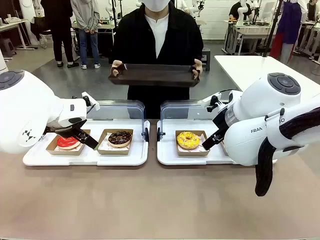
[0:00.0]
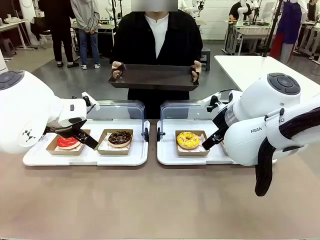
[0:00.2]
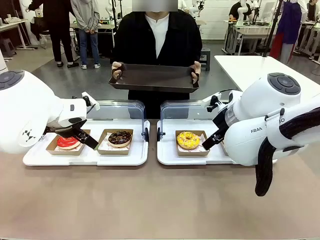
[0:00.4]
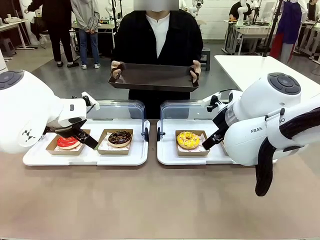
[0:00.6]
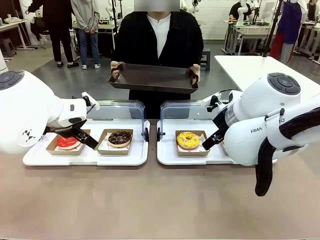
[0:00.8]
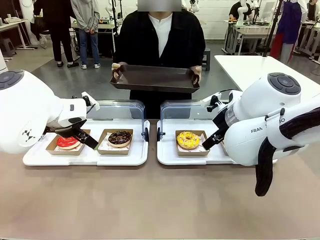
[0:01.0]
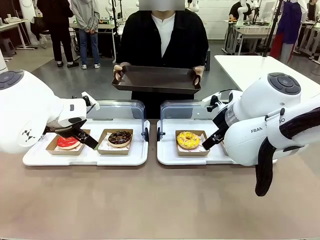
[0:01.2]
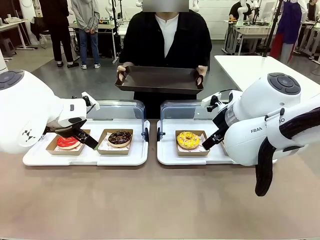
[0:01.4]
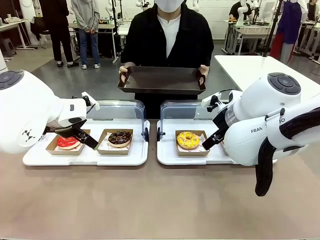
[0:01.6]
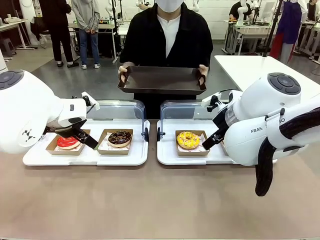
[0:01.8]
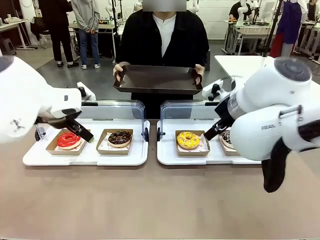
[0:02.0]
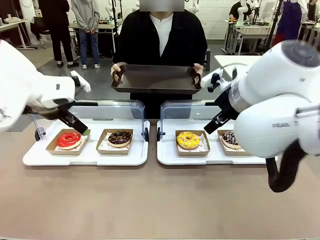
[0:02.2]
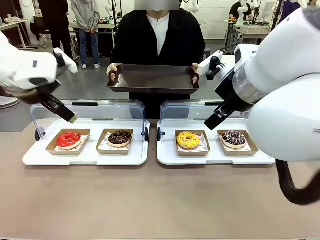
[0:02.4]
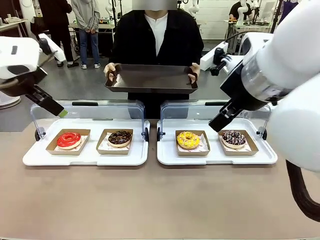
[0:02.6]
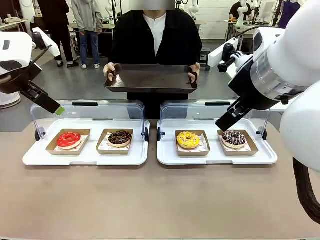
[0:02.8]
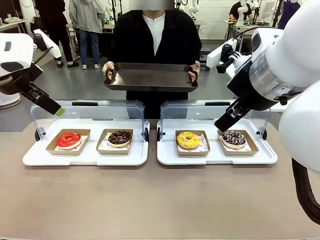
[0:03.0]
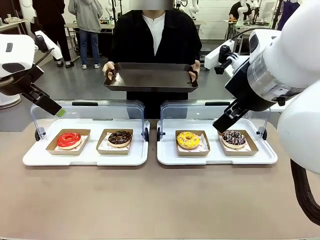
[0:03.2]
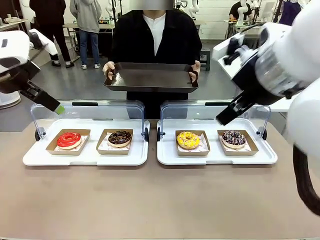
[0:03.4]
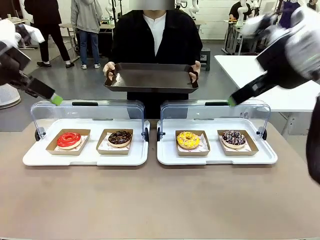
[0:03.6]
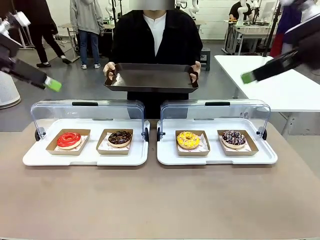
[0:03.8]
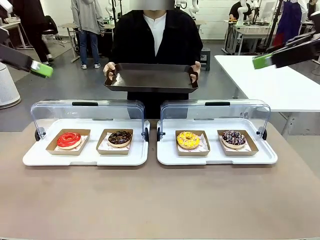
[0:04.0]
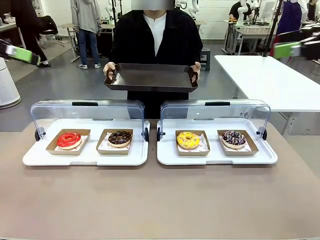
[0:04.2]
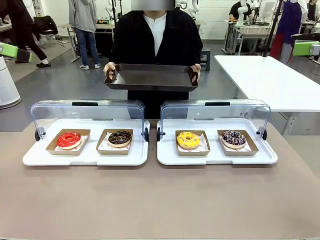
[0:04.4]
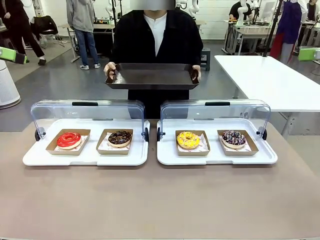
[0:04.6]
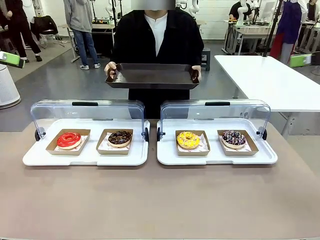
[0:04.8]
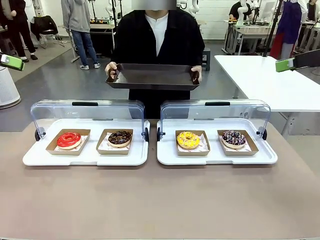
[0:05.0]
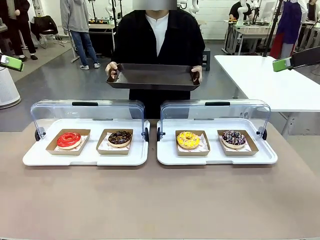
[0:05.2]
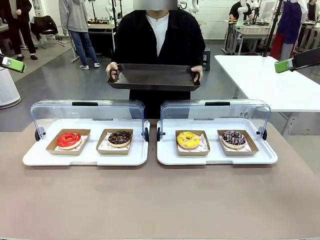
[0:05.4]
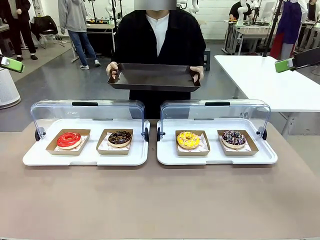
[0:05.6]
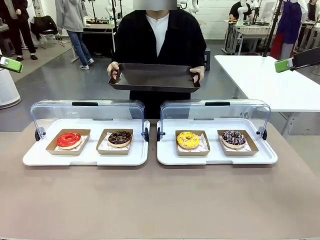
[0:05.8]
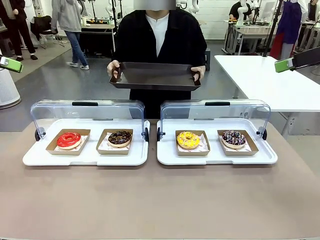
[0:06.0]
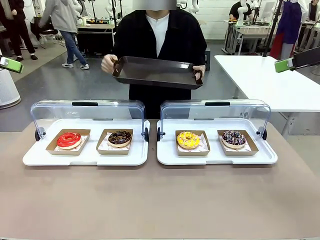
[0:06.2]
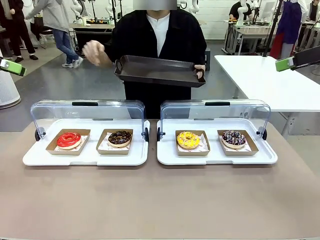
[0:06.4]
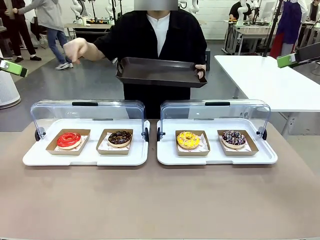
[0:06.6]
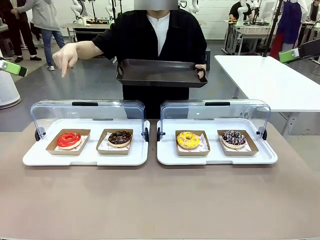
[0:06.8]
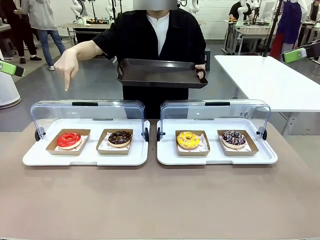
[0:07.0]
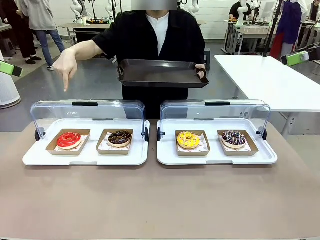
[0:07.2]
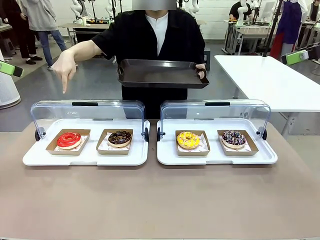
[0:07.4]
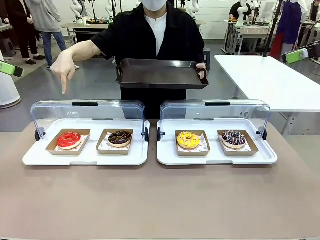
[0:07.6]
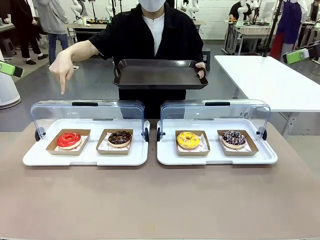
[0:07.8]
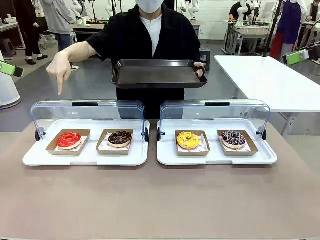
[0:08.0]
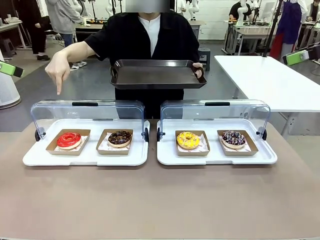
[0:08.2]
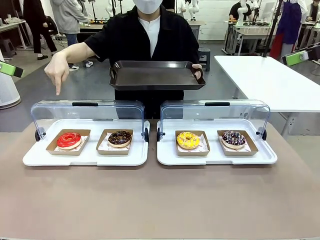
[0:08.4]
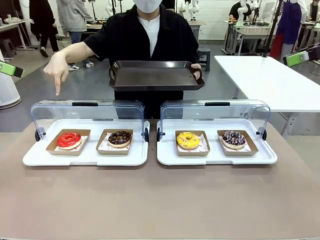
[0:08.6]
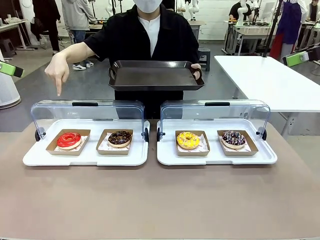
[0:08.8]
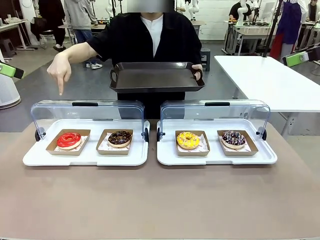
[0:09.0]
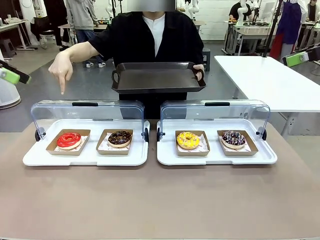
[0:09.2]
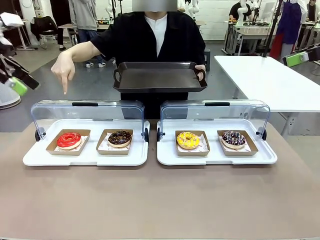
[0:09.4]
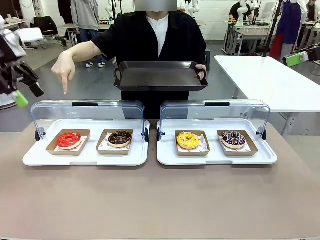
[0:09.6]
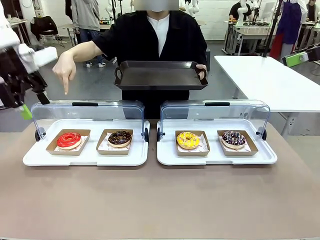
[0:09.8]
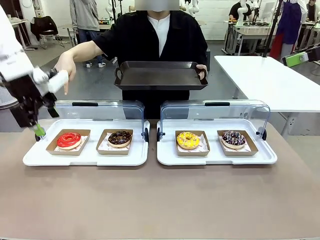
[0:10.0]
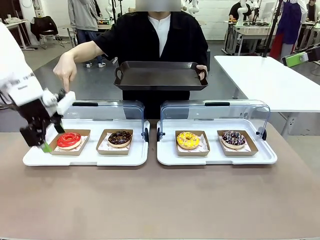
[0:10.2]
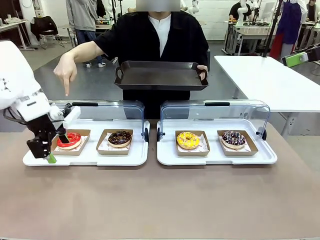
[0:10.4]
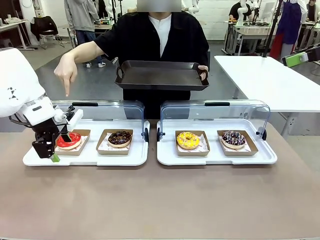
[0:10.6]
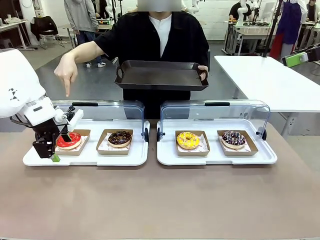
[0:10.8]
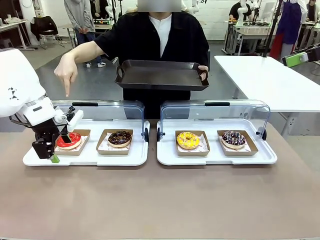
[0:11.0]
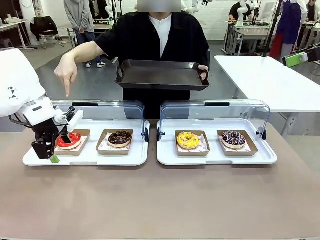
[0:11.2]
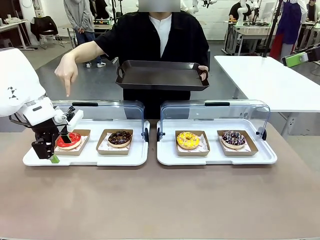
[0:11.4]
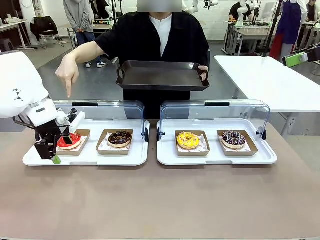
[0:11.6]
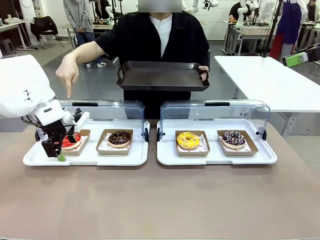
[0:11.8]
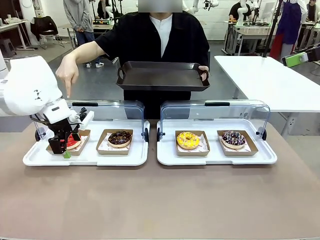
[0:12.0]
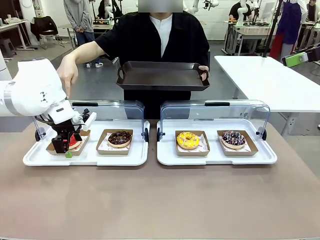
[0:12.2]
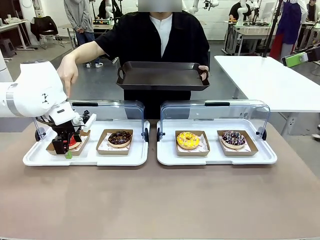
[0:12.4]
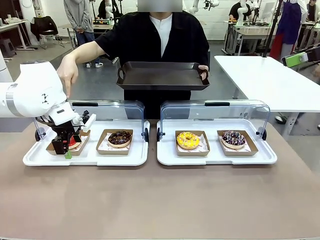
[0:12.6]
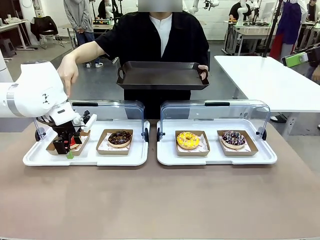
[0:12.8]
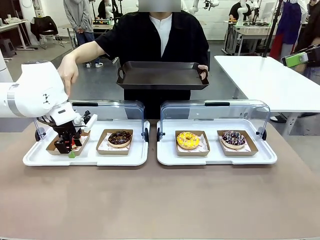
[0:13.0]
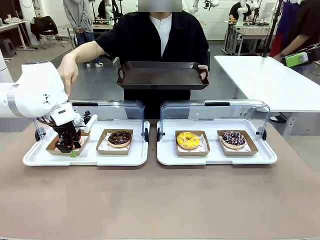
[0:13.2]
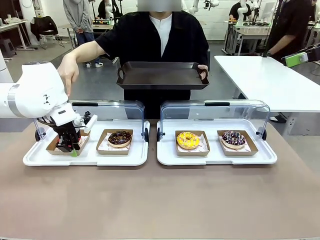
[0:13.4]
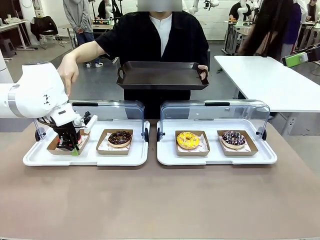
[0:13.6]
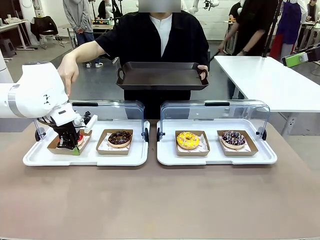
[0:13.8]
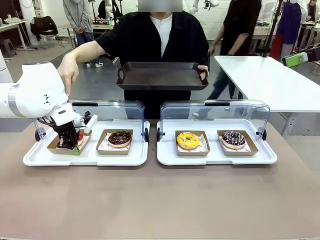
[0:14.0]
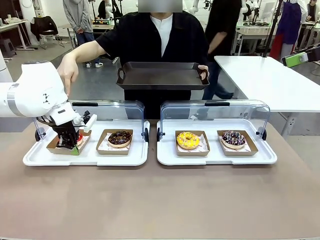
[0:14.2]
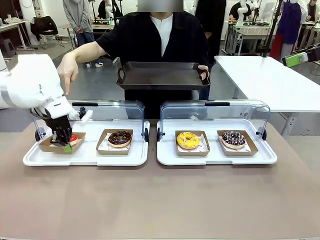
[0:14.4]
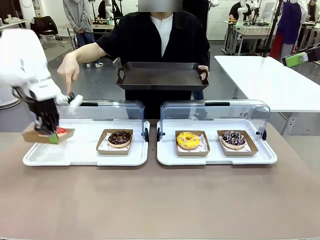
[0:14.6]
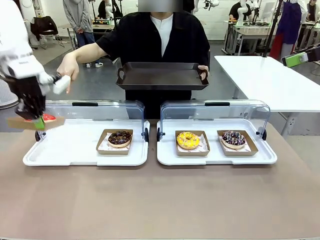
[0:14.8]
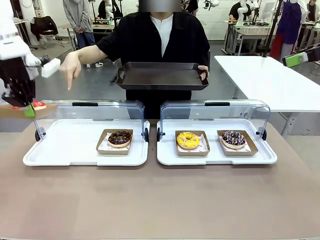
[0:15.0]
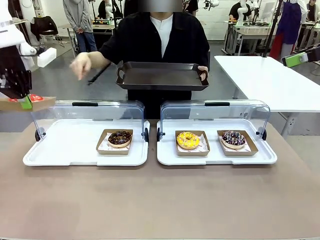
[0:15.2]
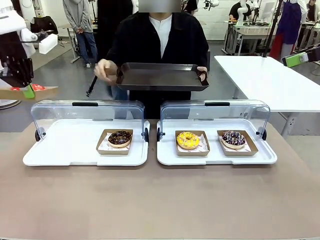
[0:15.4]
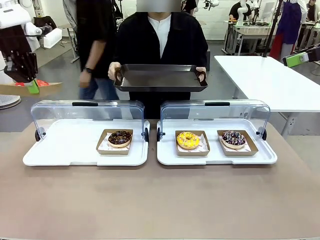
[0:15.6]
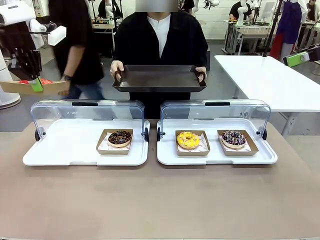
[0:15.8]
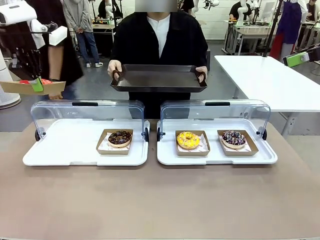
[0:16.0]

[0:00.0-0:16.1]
Task: Provide the desired donut to the person.
Robot: Pick up and lift the Paper togo box containing the Donut pointed at by the person.
Person: Point to one donut. Lift the tray onto the Roll-Top Bakery Case.

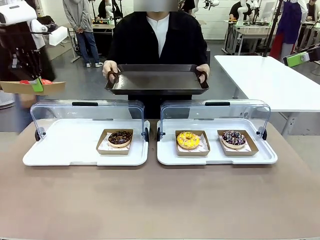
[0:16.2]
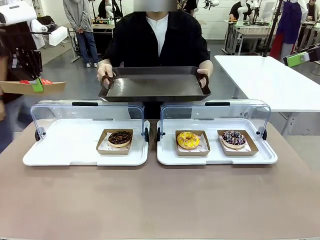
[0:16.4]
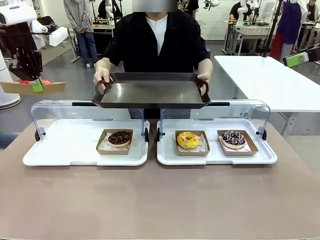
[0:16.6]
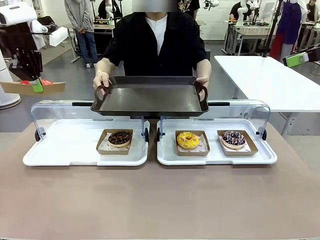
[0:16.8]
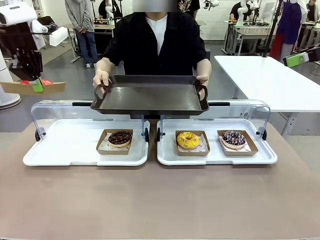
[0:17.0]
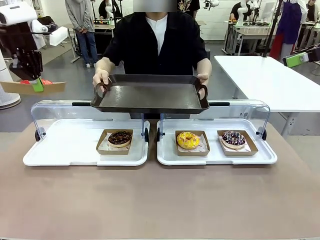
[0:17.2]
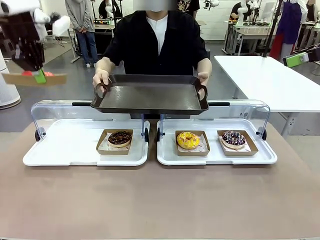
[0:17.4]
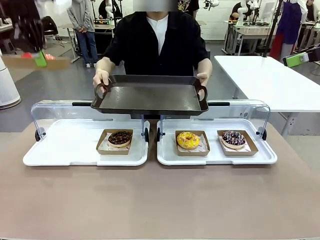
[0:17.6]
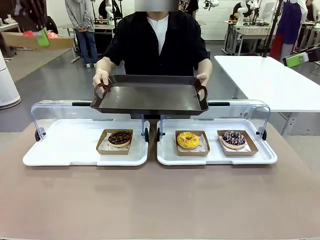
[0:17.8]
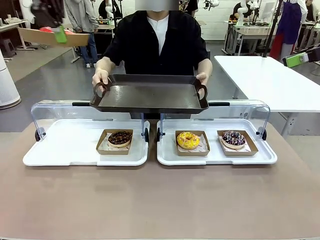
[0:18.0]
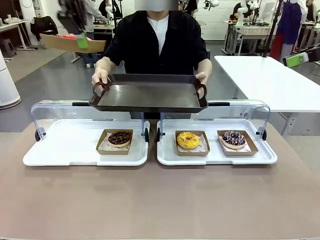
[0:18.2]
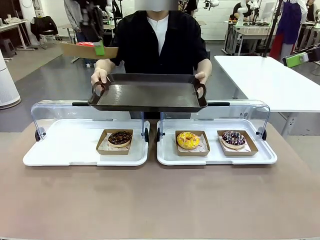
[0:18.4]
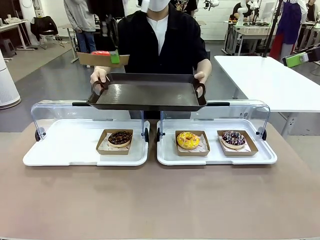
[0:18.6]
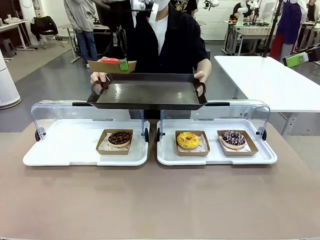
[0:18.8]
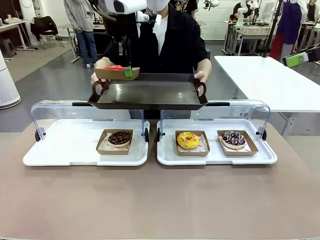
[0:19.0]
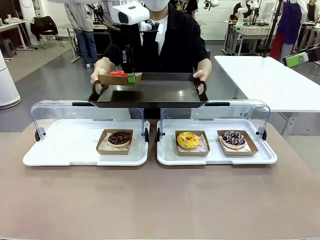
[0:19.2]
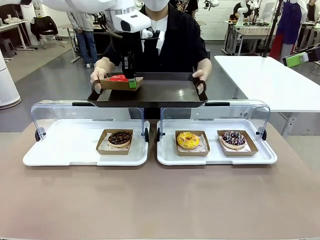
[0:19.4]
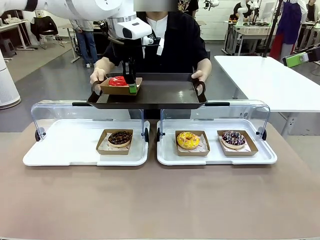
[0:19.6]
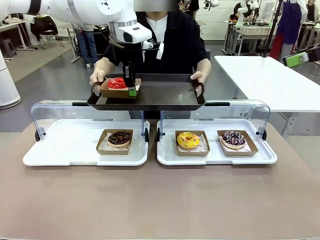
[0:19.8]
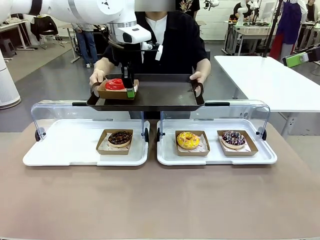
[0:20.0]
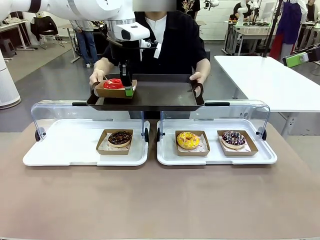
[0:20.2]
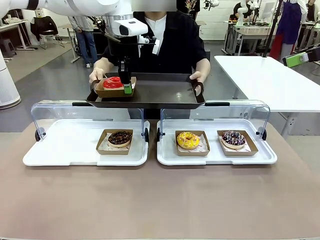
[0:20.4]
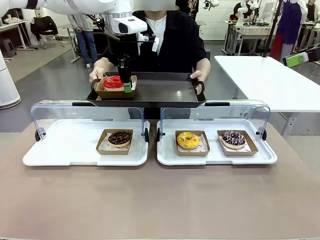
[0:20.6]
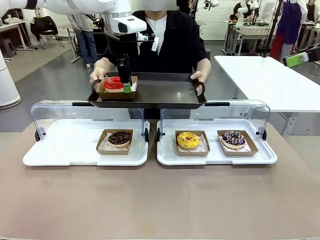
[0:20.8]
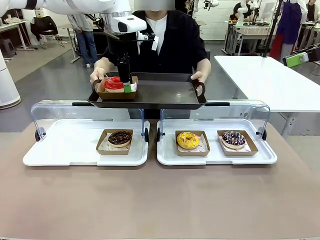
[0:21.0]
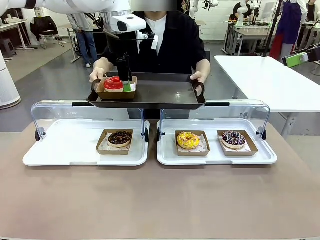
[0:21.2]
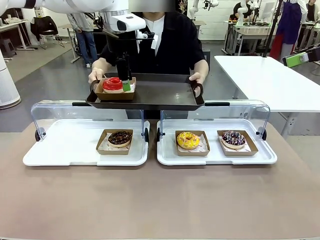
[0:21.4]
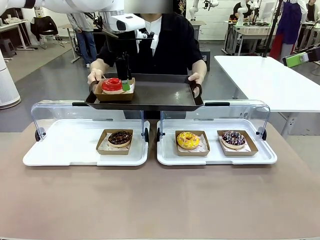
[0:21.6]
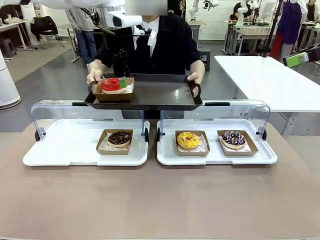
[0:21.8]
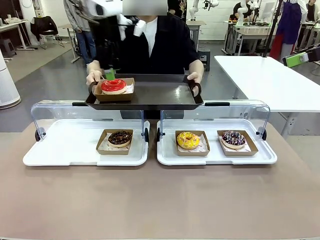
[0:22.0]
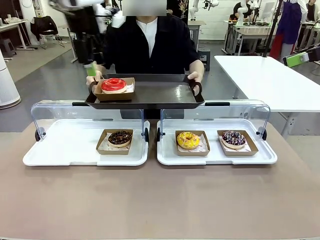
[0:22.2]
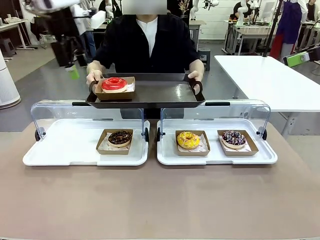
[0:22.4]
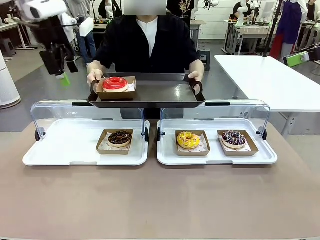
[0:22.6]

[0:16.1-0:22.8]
Robot: Place the picked Paper togo box onto the Handle tray extended by the person.
